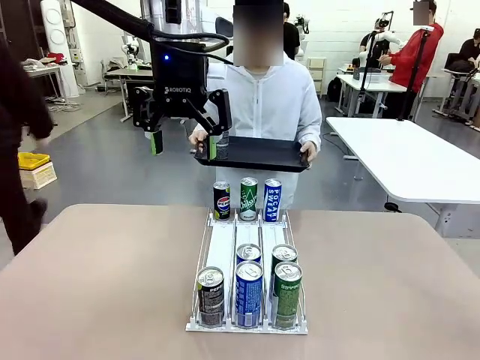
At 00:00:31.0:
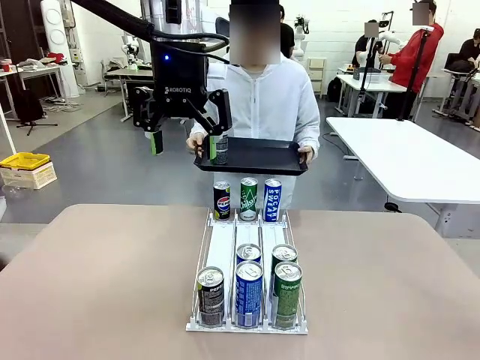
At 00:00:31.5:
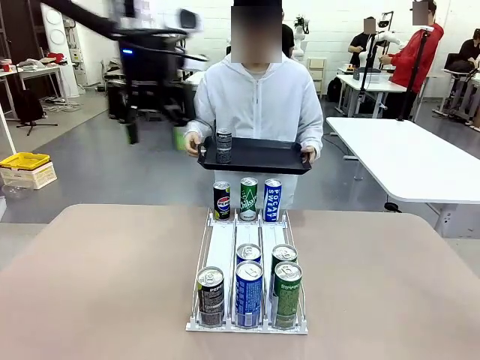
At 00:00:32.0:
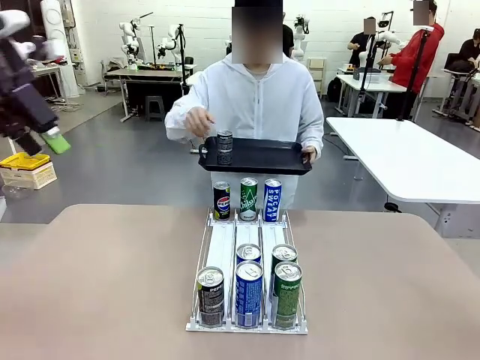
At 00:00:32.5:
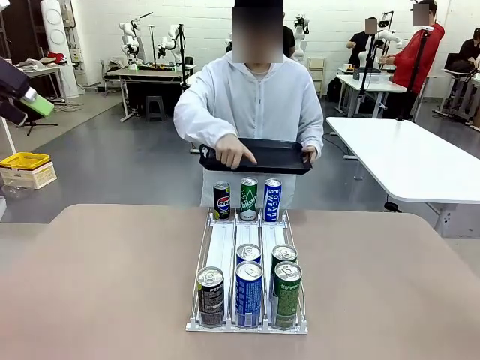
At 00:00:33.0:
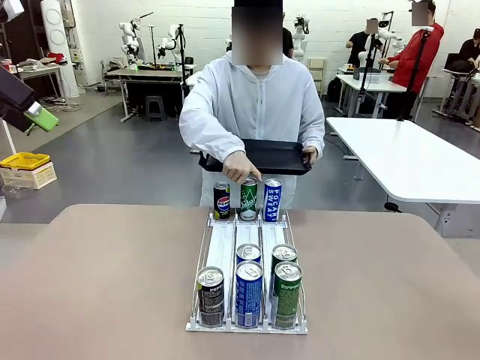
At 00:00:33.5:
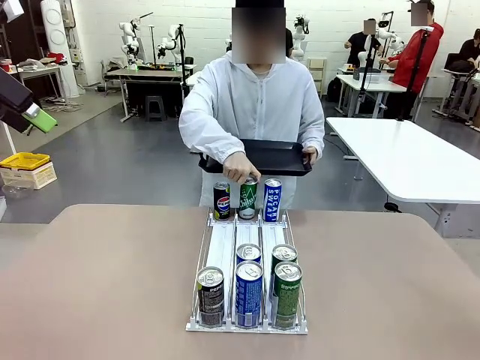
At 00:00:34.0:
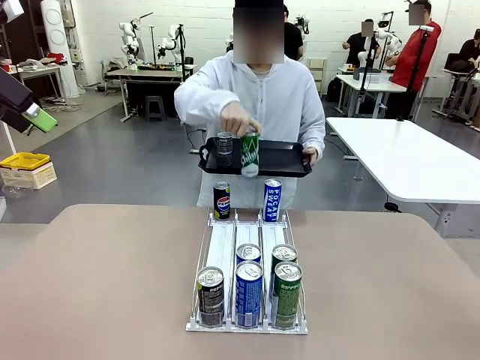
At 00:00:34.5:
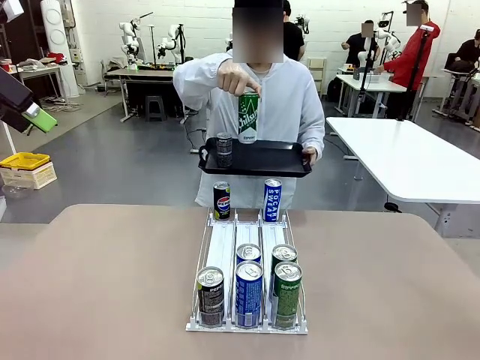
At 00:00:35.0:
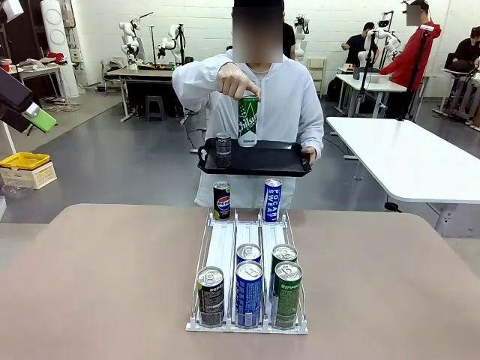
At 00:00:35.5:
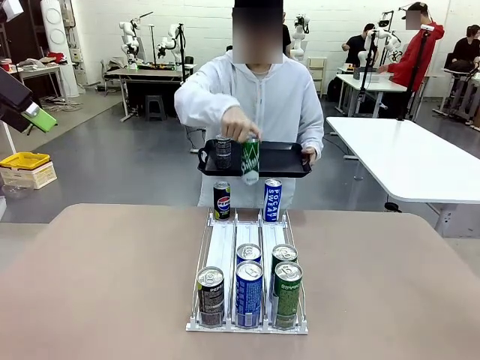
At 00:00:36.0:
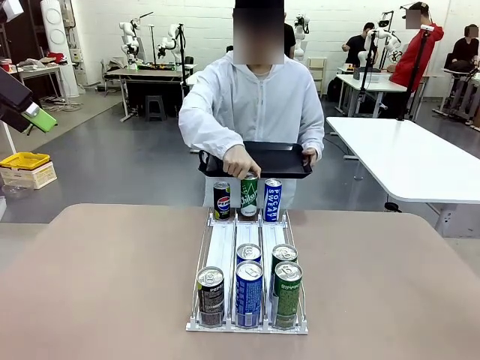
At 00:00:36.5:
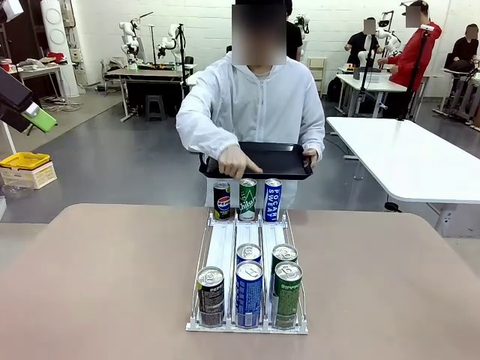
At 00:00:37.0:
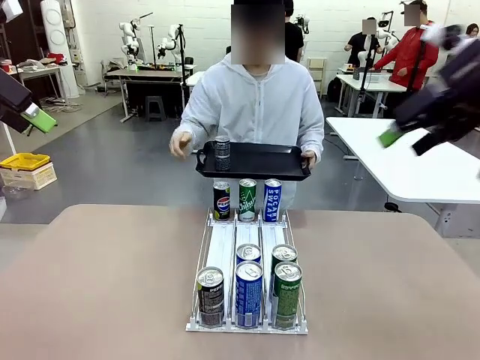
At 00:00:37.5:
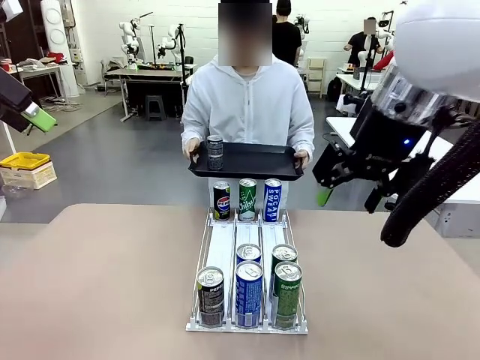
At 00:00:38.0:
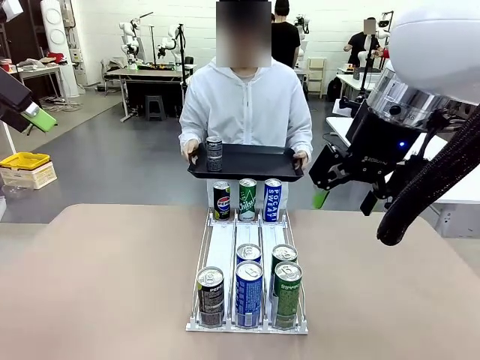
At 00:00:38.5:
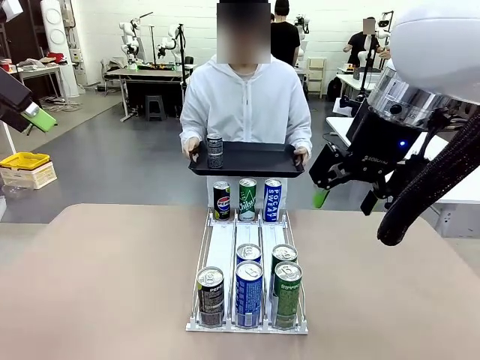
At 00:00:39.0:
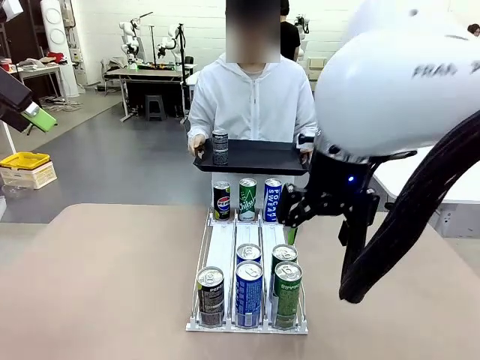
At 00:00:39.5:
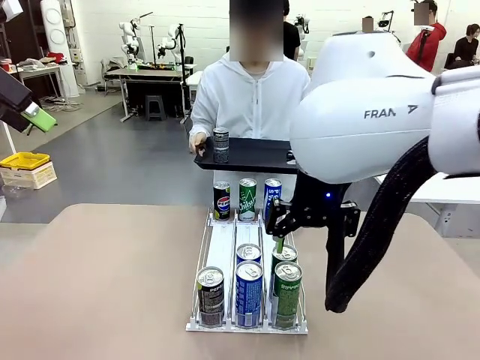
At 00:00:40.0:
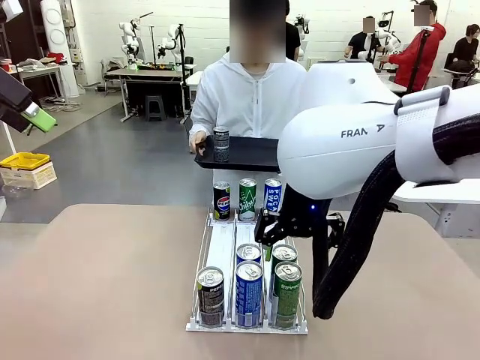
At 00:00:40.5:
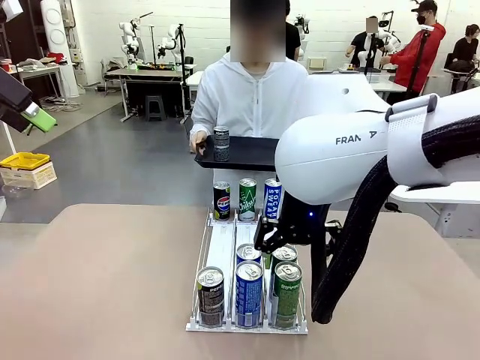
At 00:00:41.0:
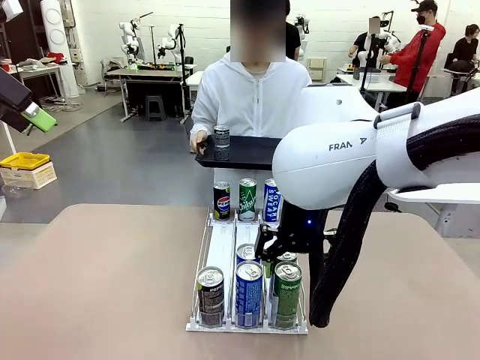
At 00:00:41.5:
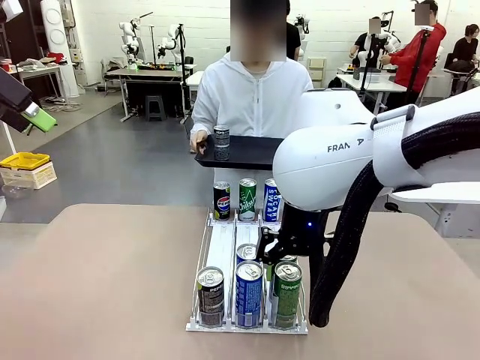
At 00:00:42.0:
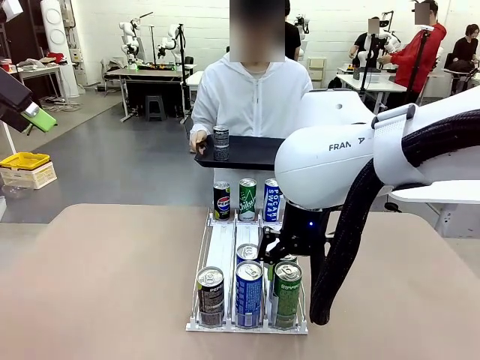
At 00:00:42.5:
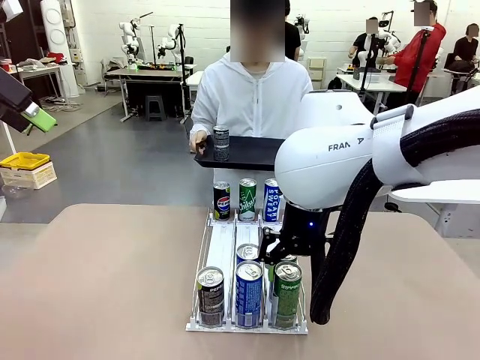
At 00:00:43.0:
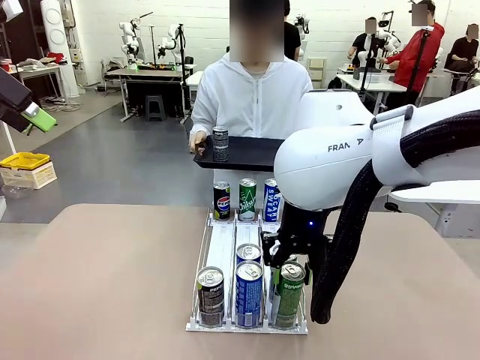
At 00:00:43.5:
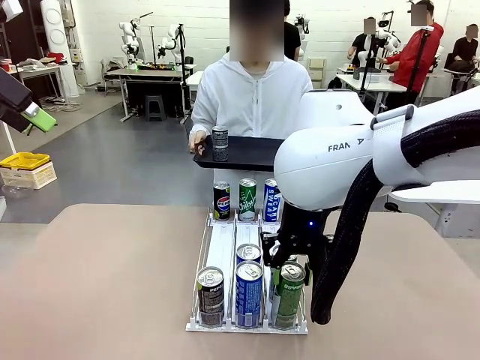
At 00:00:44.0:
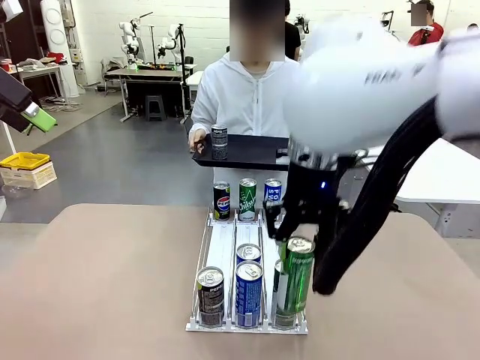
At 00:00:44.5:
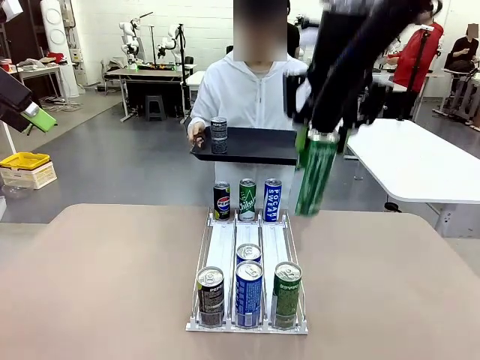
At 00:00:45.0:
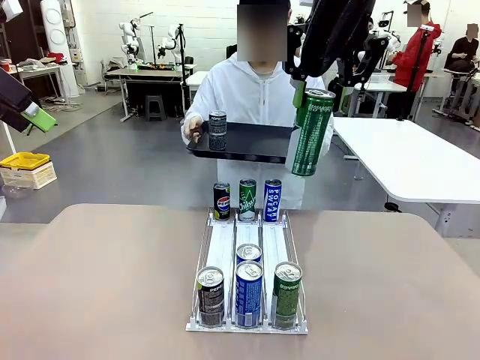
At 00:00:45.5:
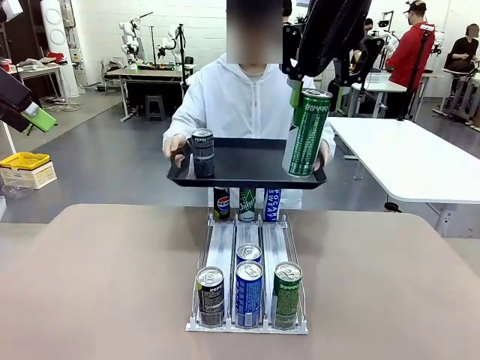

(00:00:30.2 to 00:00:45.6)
Task: Retrieve and hand over the desired beverage to the person.
Robot: Pick up another can of the same type that the person held from the Automatic Can Dispenser.
Person: Pull the tray back, then pick up another can from the bottom area of the table and puts it back in its original place. Push the tray toward the robot again.

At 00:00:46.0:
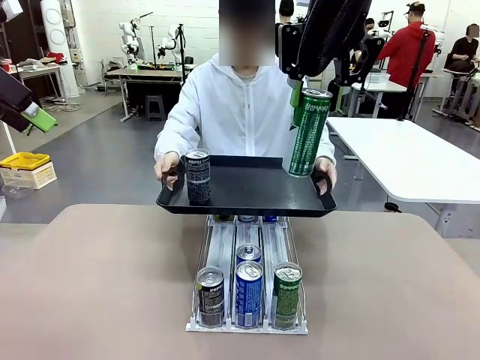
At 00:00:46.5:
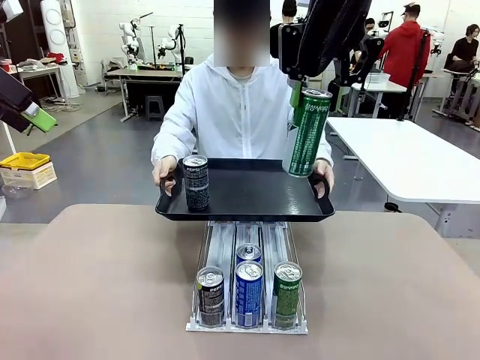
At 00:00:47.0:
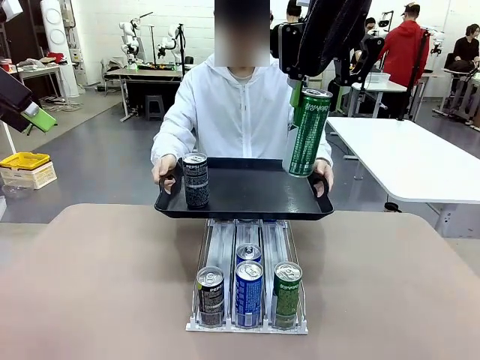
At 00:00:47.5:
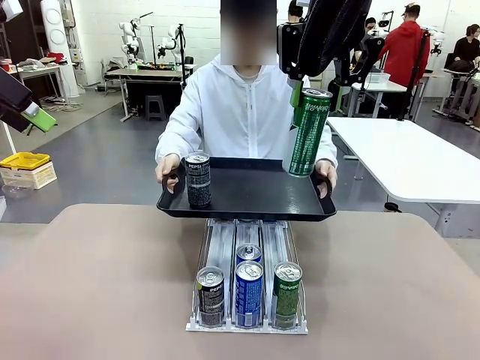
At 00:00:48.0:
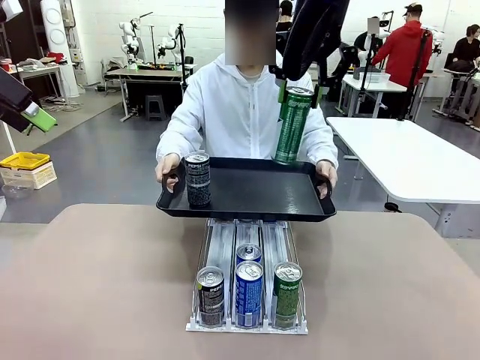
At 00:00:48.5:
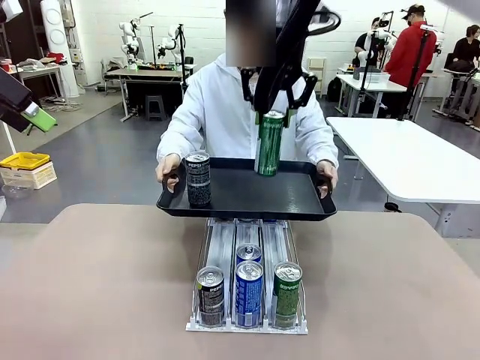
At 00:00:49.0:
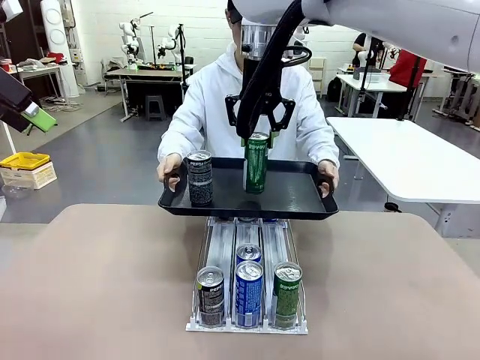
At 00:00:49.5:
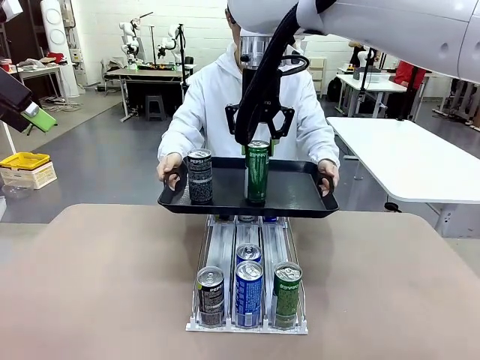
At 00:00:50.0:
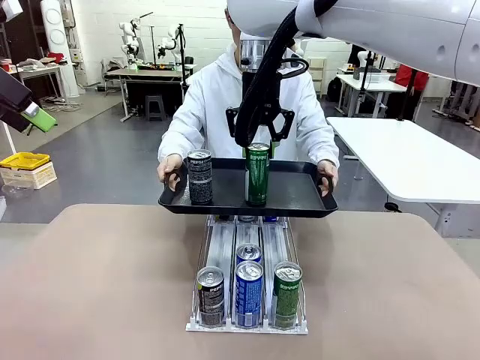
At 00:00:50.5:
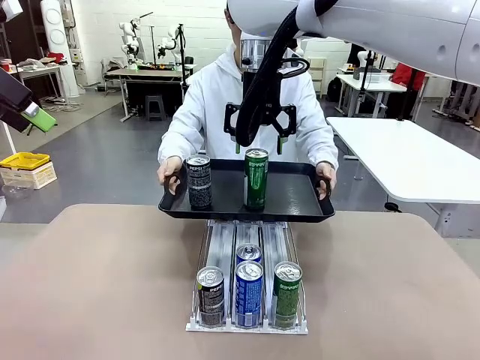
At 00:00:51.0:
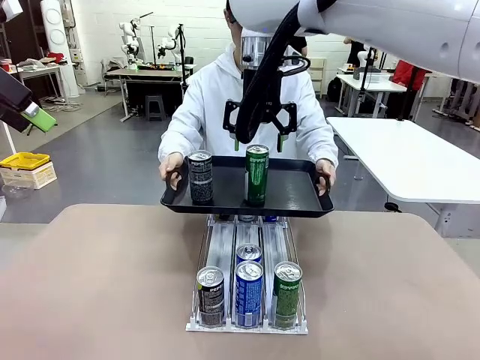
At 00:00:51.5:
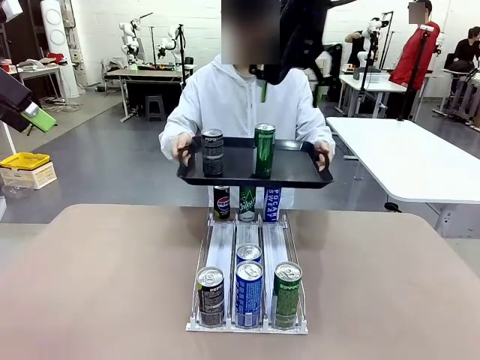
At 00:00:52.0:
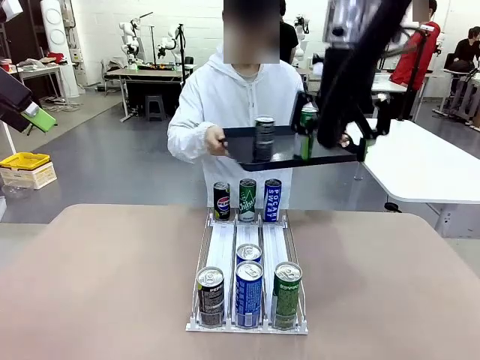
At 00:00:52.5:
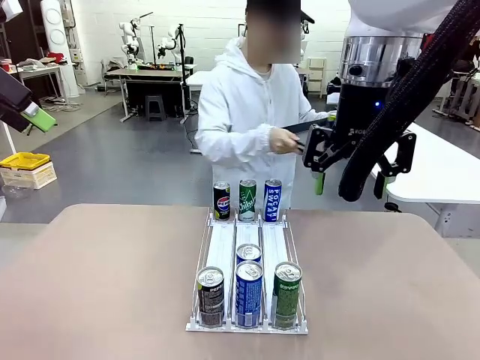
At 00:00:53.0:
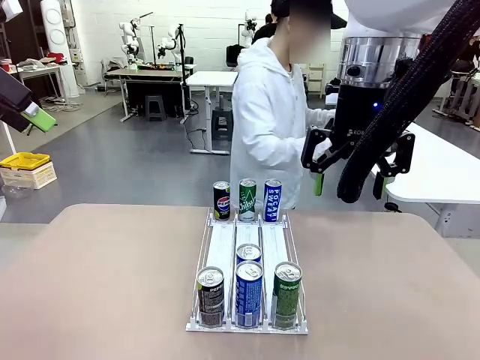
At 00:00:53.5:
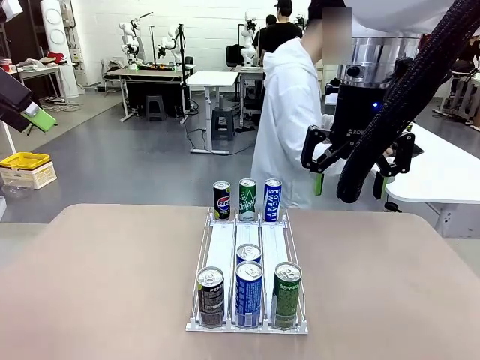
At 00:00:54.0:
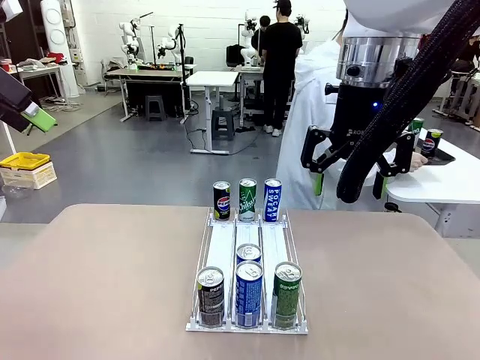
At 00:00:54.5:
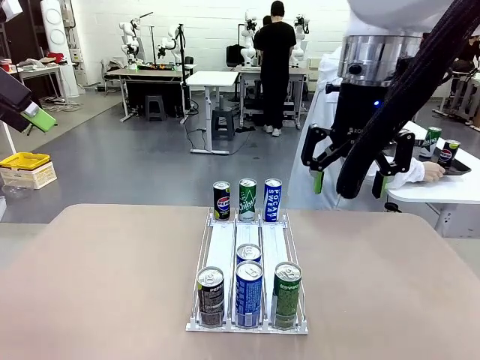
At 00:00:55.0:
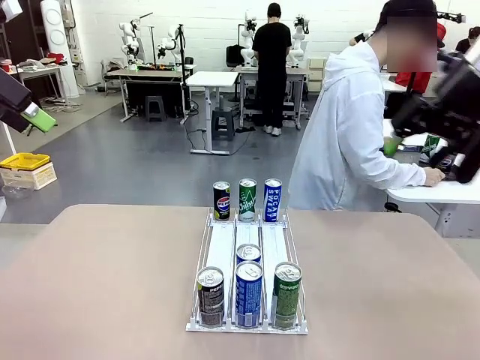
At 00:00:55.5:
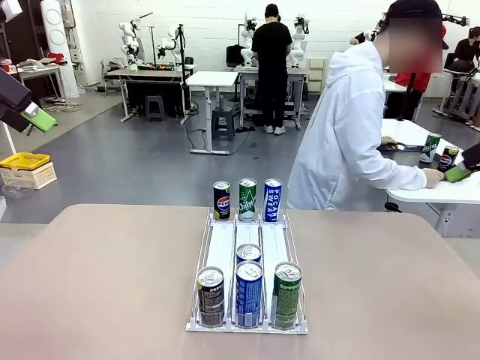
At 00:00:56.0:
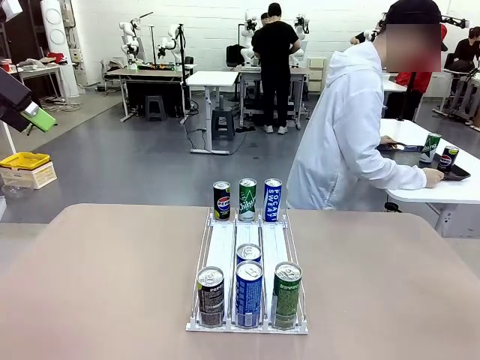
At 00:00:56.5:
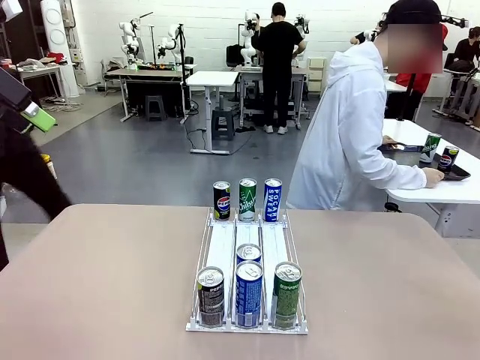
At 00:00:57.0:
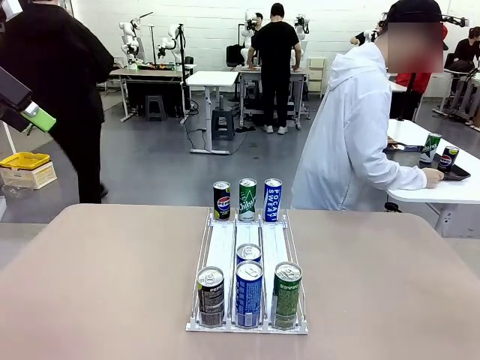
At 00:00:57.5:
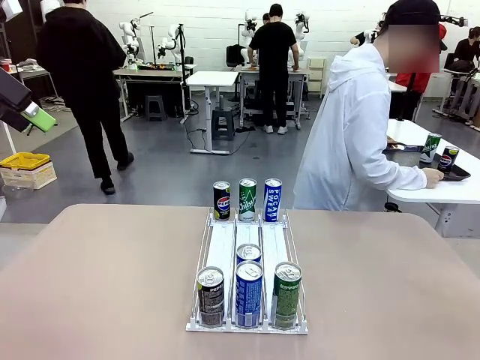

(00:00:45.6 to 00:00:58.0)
Robot: Place the picked can on the Handle tray extended by the person.
Person: Pull the tray back and place it at the center of the human table.
